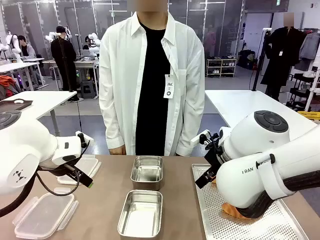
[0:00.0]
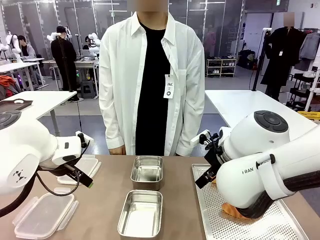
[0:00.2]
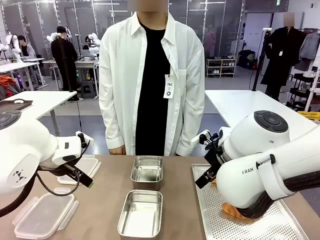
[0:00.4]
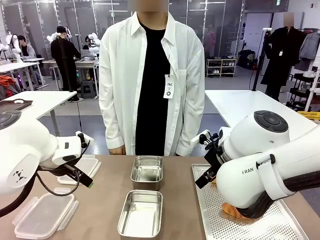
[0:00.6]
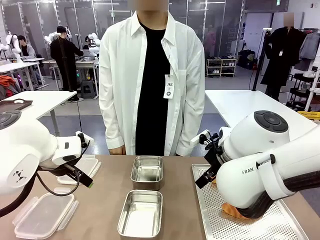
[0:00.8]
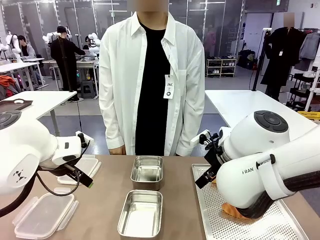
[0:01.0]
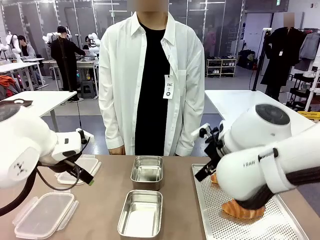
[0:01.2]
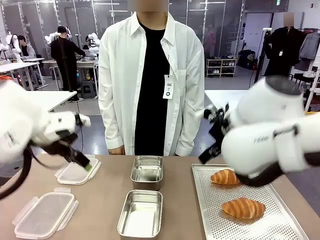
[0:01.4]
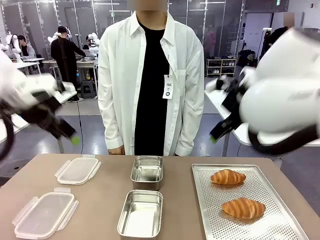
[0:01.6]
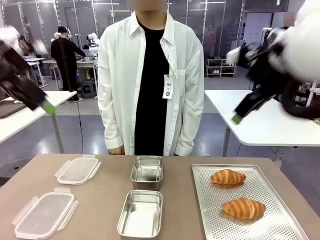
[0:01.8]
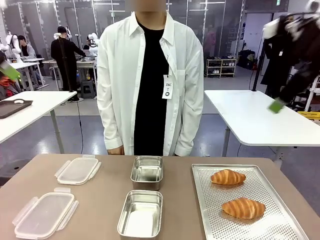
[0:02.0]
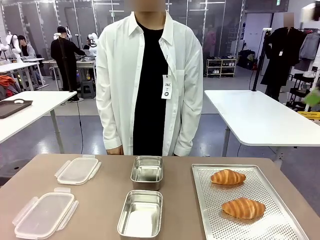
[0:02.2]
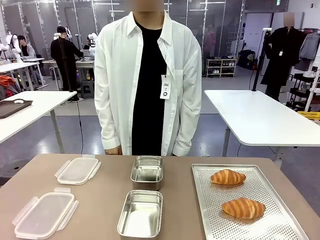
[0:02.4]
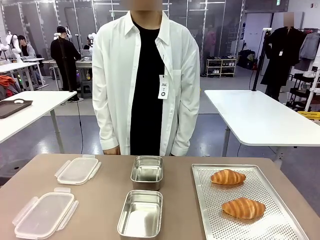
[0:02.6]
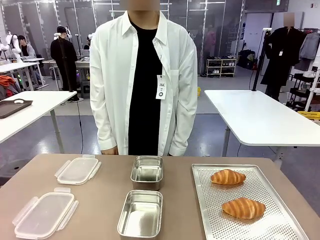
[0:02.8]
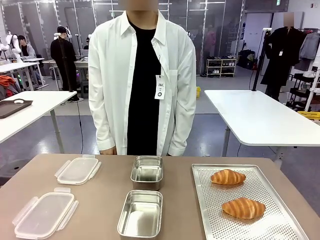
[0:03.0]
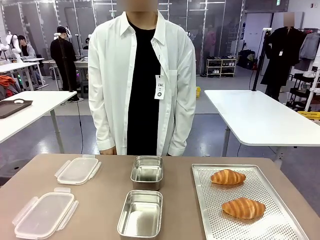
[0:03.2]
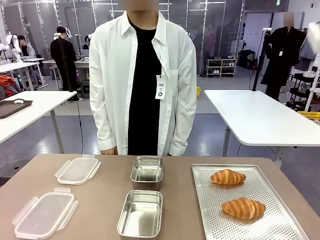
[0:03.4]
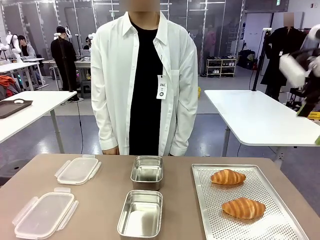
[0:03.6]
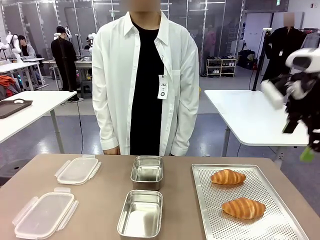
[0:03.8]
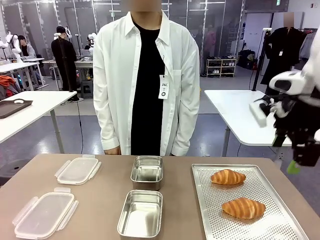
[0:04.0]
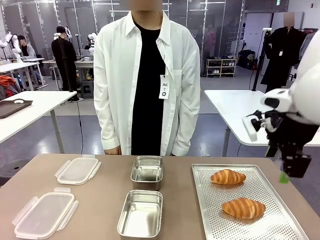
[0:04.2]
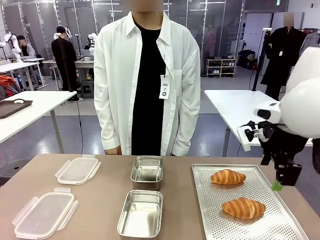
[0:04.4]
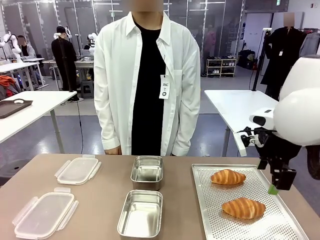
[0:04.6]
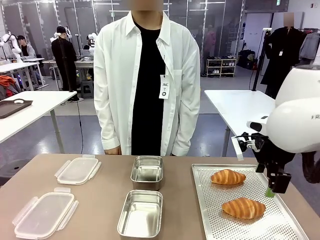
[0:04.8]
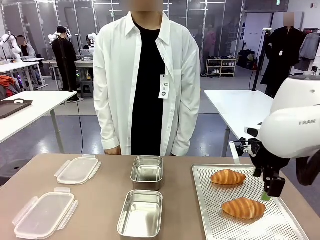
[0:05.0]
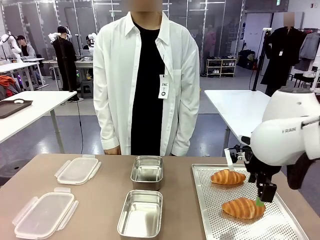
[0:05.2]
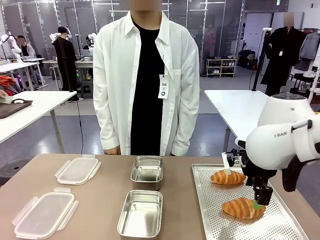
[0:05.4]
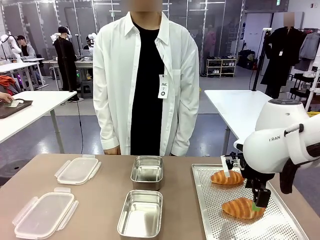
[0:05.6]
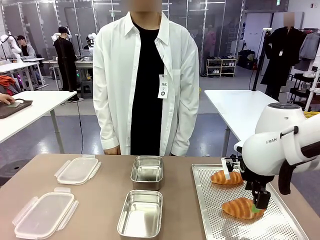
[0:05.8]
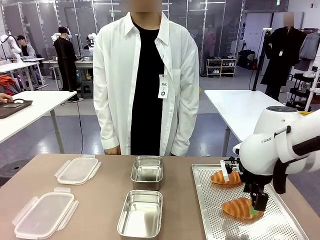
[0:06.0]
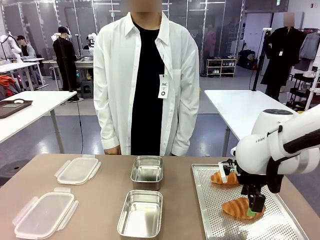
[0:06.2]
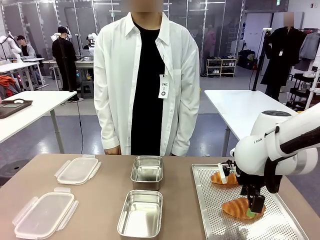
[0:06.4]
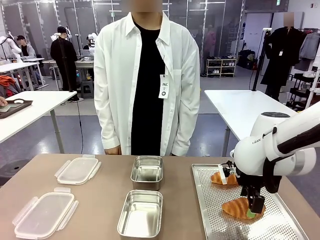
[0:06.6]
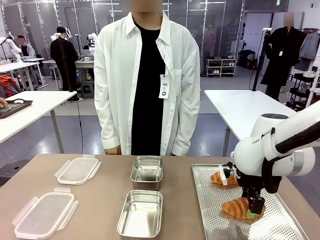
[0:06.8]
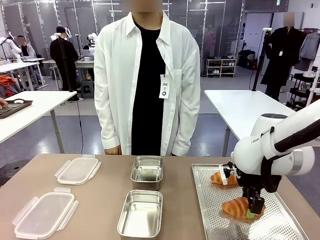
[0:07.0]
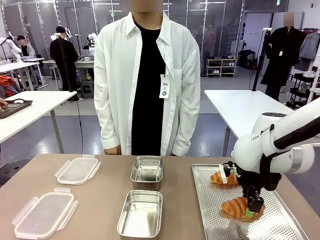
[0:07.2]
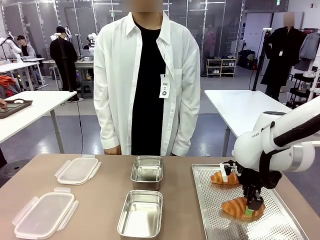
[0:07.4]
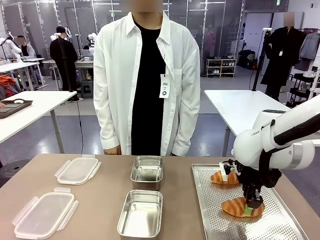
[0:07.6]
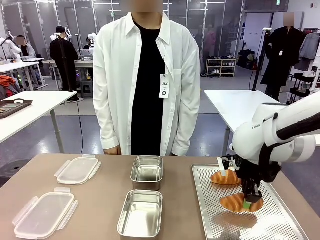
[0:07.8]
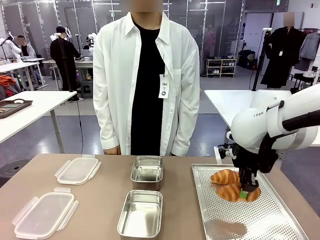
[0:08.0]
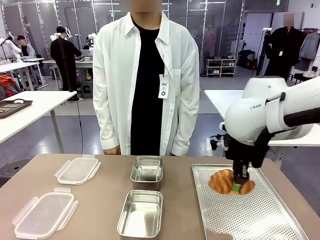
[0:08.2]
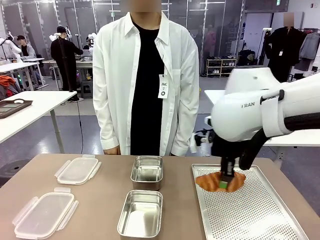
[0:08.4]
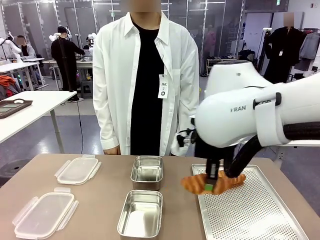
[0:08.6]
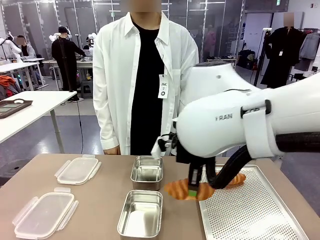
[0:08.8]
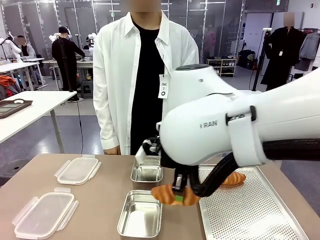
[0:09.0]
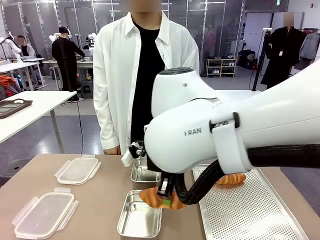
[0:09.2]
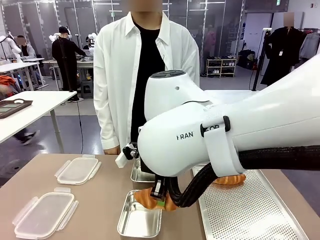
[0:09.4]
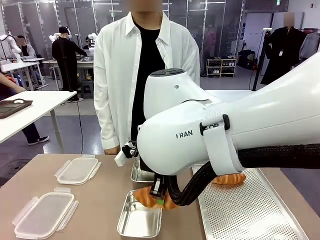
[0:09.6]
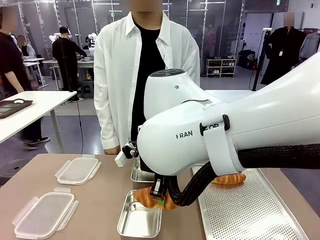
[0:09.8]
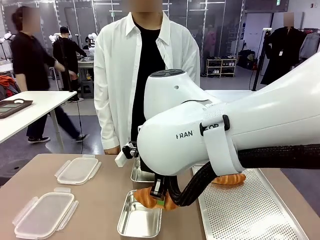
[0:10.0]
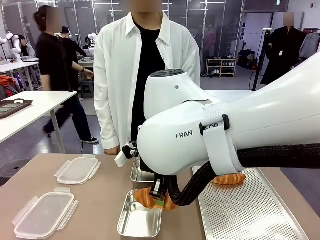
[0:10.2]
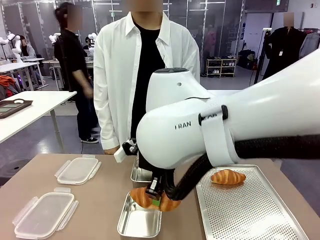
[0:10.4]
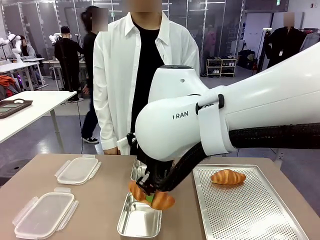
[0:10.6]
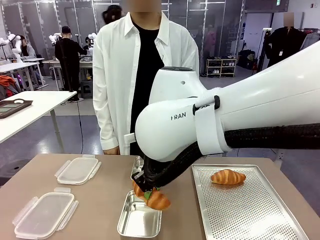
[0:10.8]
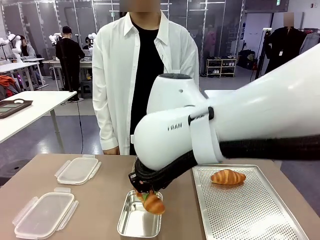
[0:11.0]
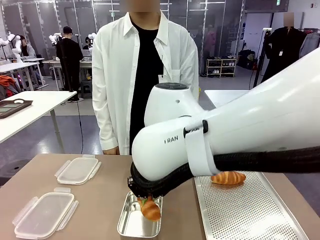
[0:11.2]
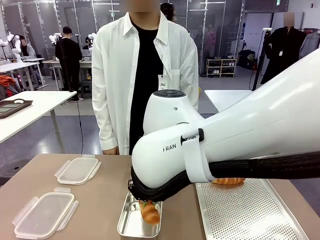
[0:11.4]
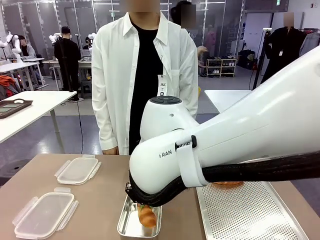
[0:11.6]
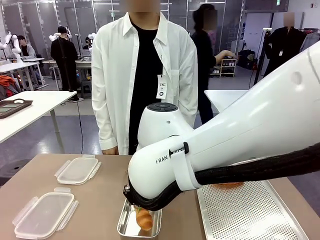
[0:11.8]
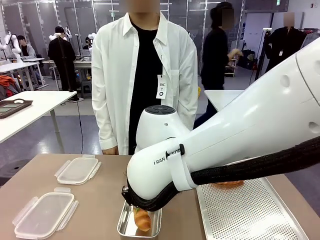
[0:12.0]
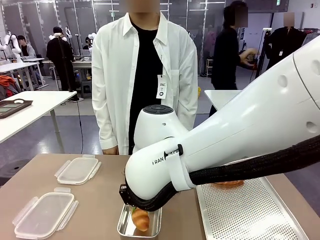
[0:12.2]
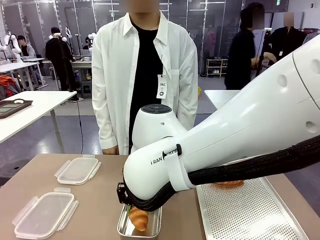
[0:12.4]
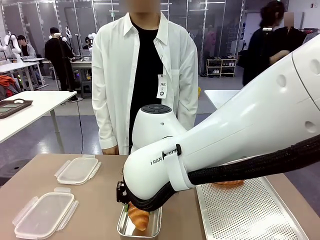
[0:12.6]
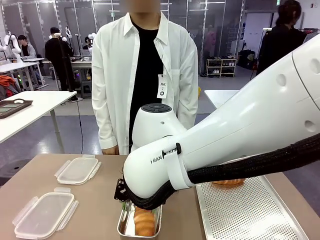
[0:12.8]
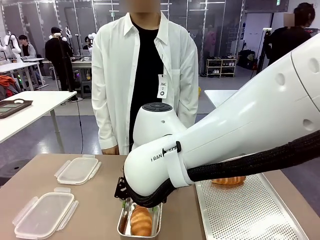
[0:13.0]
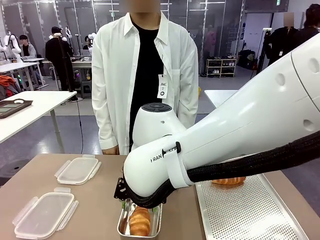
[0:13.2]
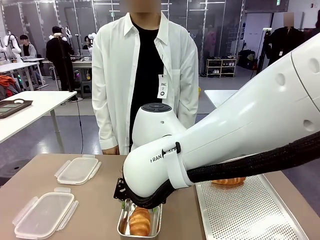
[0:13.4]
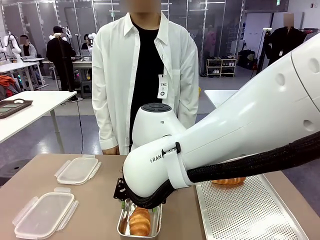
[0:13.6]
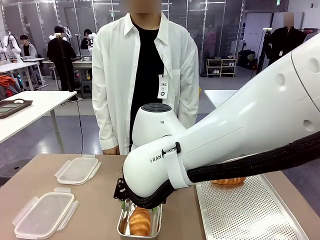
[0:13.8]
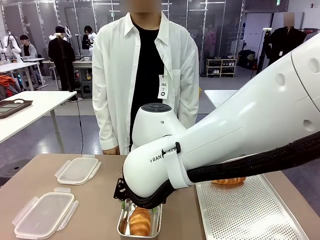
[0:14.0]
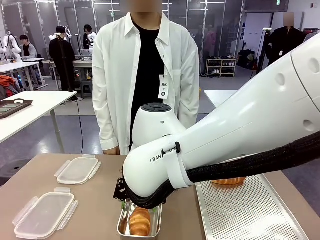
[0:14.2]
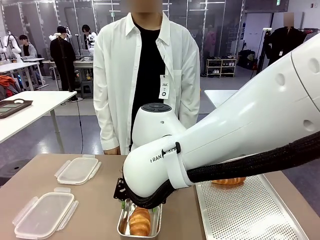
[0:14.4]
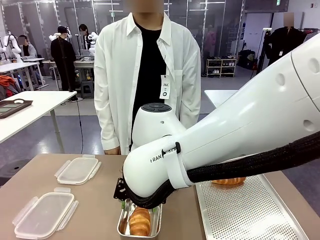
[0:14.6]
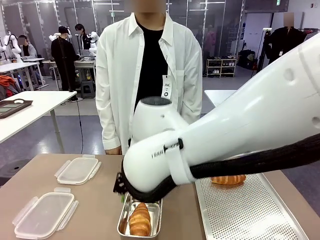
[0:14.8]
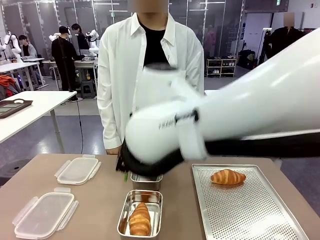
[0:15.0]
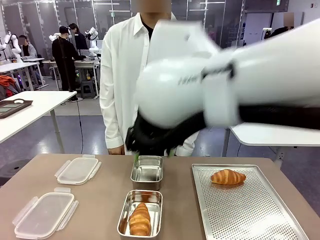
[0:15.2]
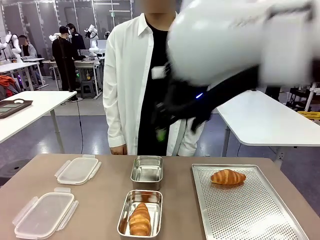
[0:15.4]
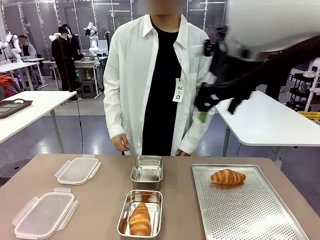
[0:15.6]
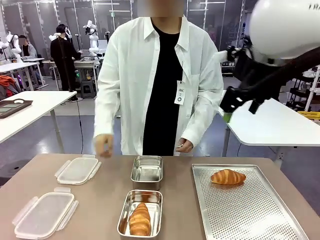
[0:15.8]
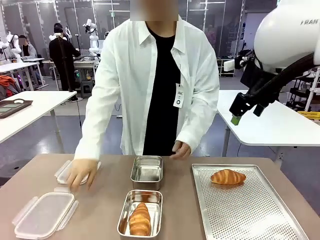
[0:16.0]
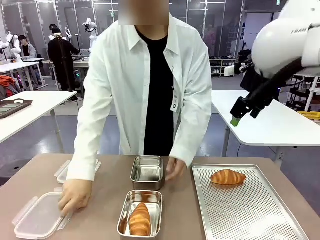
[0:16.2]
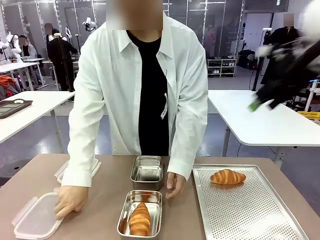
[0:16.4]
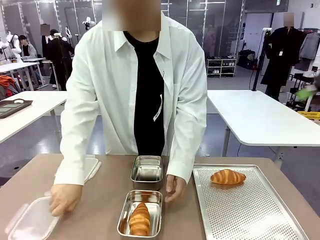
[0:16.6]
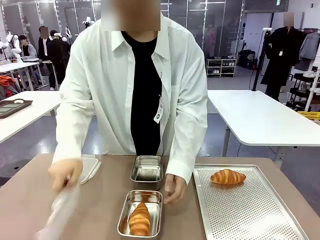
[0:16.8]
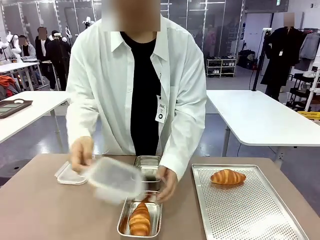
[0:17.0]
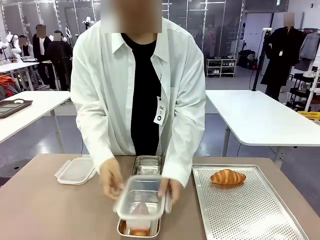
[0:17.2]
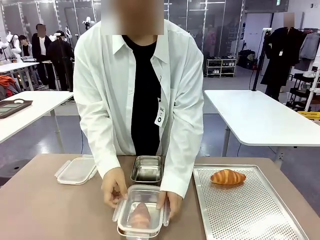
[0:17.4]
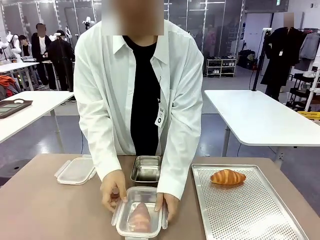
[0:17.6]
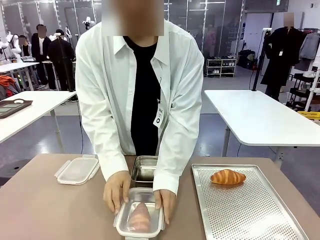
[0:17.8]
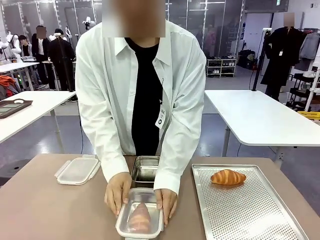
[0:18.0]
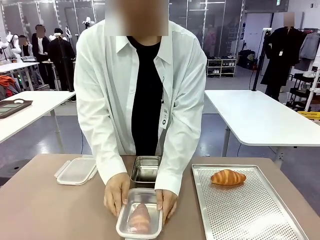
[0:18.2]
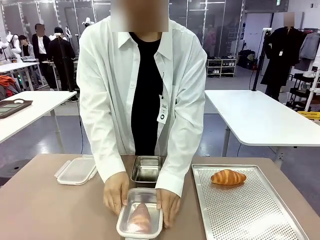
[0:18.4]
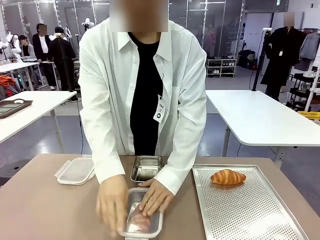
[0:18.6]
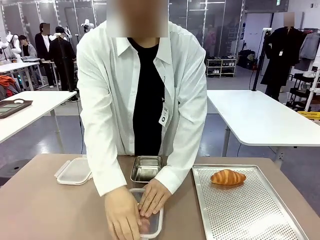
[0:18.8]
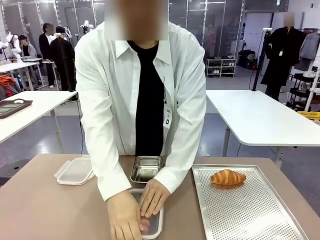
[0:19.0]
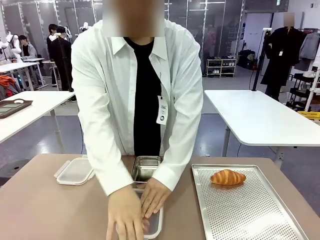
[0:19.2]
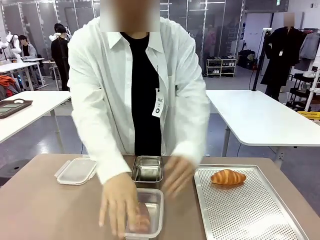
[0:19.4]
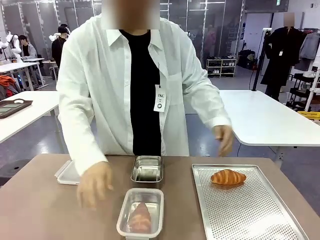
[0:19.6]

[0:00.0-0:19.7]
Task: Place the bread into the airtight container.
Robot: Pick up a Butter Roll and place it into an empty Airtight Container.
